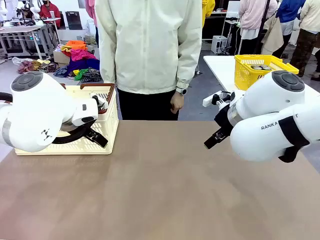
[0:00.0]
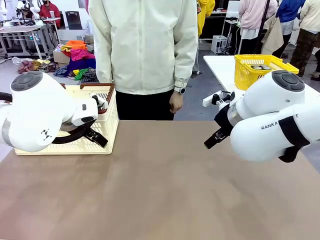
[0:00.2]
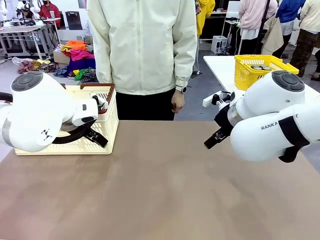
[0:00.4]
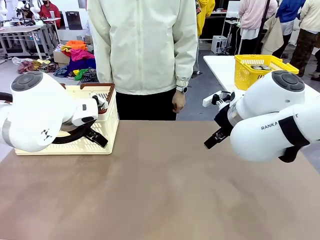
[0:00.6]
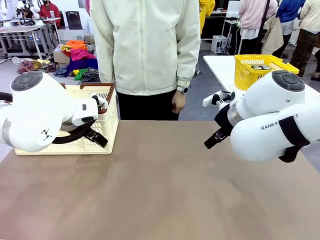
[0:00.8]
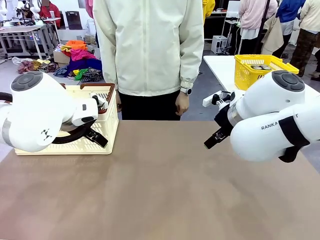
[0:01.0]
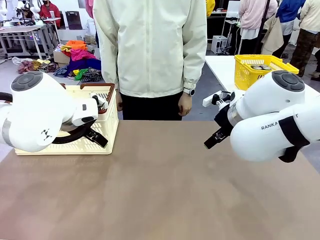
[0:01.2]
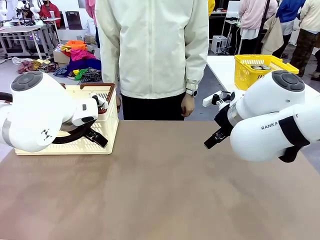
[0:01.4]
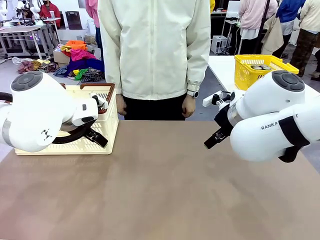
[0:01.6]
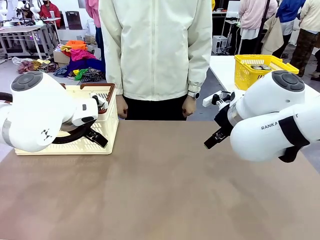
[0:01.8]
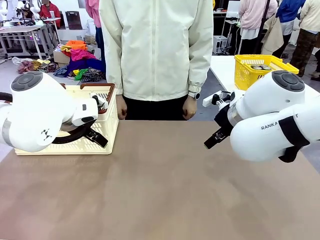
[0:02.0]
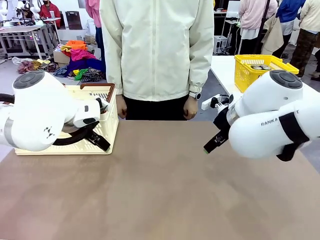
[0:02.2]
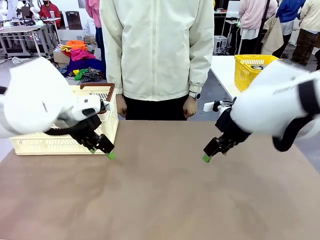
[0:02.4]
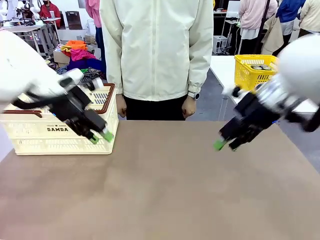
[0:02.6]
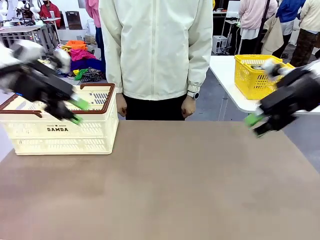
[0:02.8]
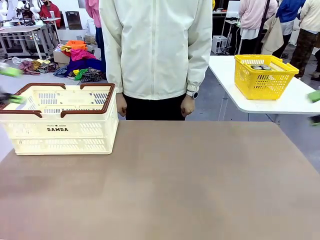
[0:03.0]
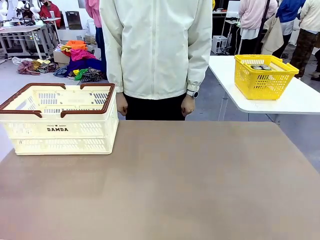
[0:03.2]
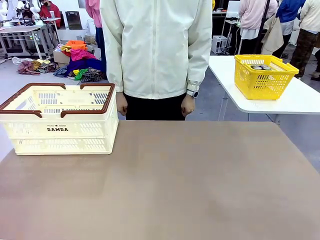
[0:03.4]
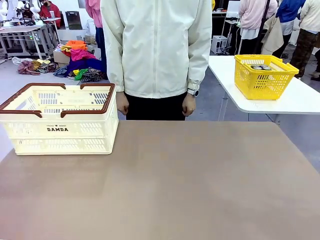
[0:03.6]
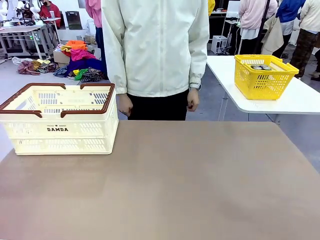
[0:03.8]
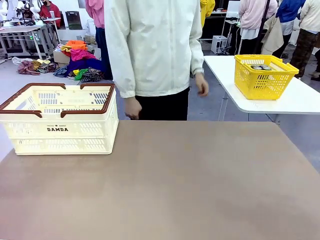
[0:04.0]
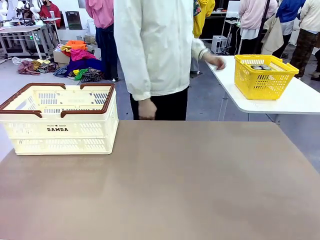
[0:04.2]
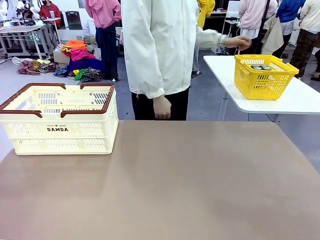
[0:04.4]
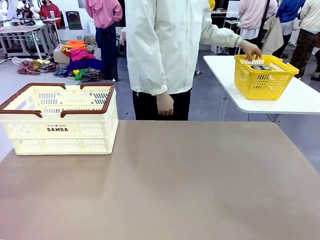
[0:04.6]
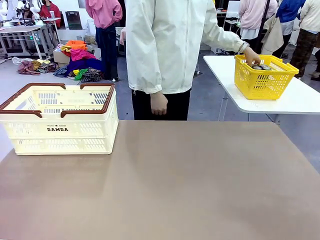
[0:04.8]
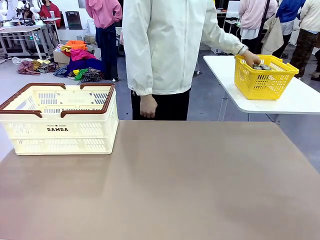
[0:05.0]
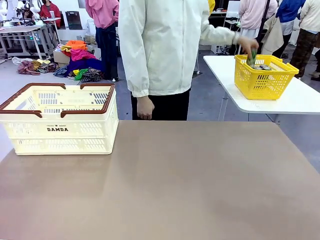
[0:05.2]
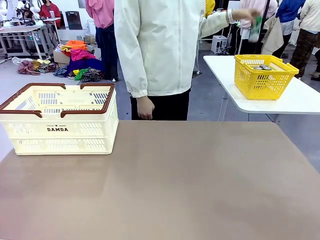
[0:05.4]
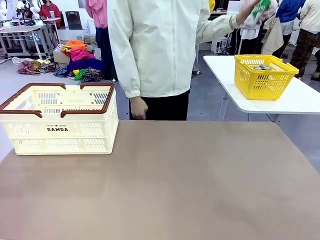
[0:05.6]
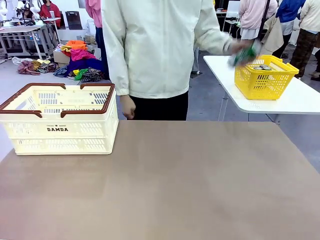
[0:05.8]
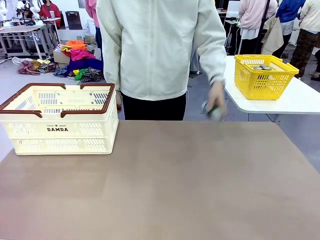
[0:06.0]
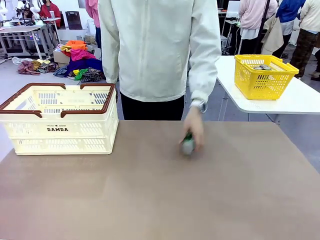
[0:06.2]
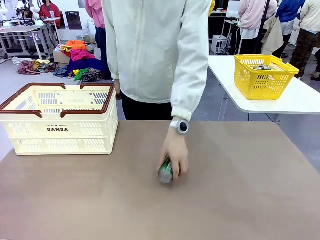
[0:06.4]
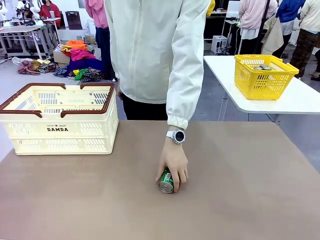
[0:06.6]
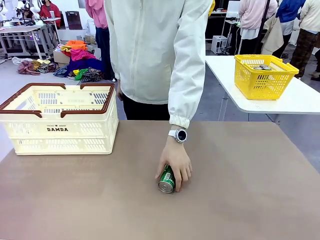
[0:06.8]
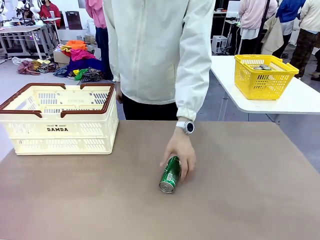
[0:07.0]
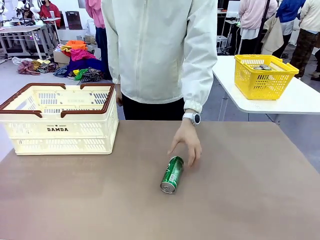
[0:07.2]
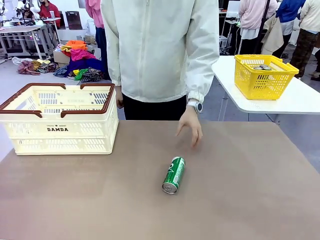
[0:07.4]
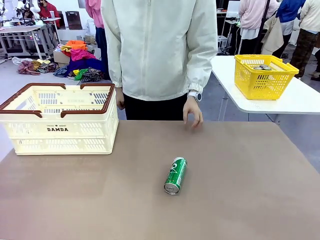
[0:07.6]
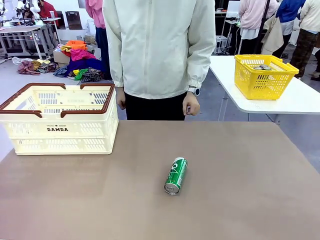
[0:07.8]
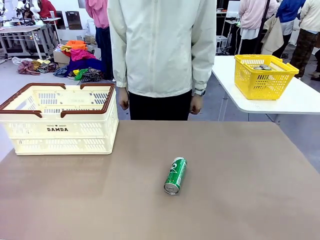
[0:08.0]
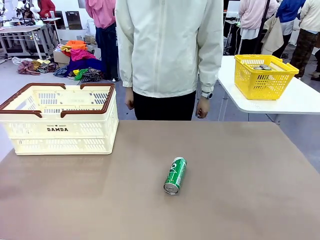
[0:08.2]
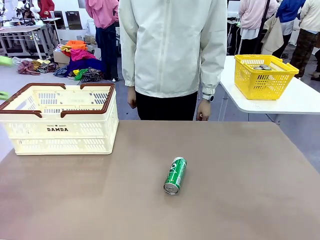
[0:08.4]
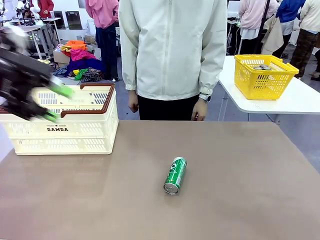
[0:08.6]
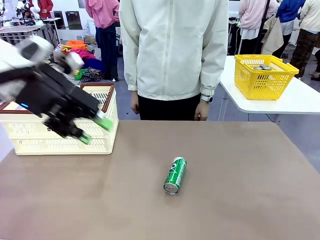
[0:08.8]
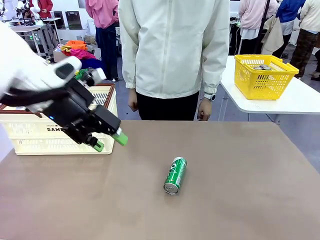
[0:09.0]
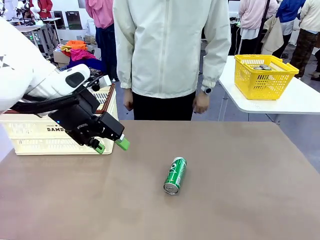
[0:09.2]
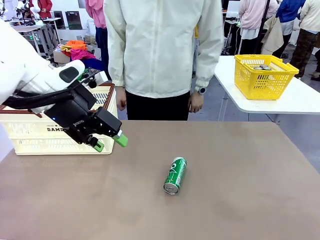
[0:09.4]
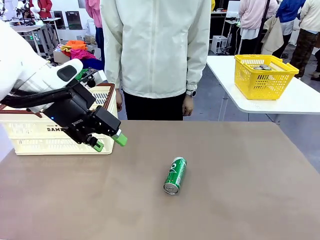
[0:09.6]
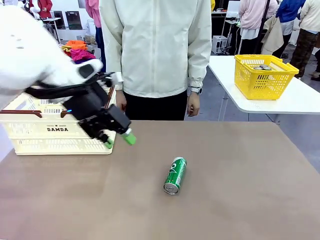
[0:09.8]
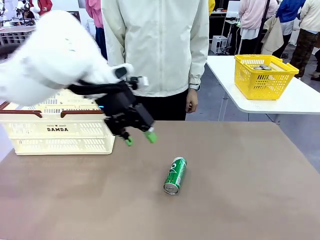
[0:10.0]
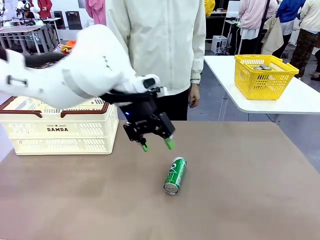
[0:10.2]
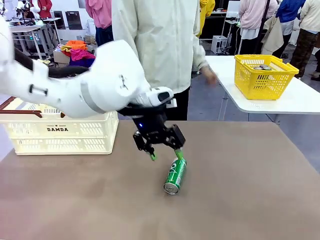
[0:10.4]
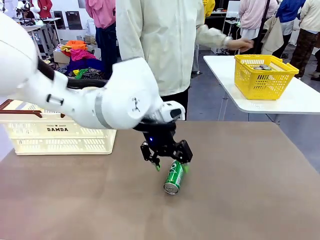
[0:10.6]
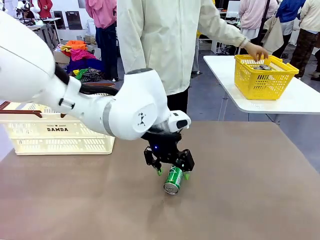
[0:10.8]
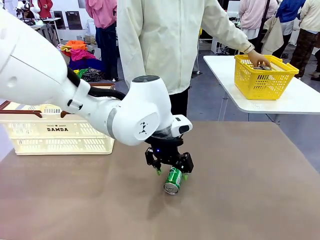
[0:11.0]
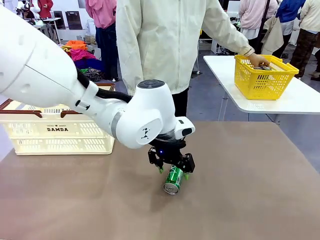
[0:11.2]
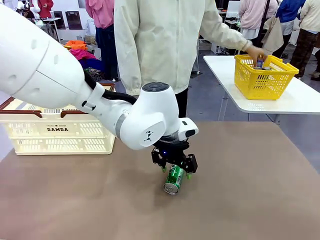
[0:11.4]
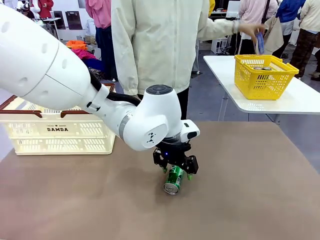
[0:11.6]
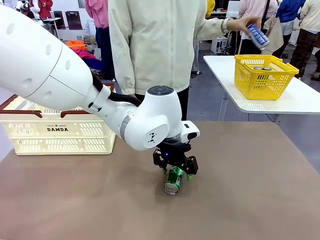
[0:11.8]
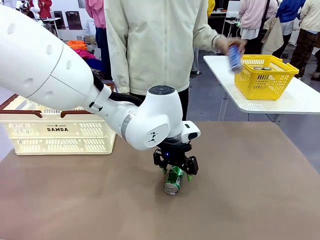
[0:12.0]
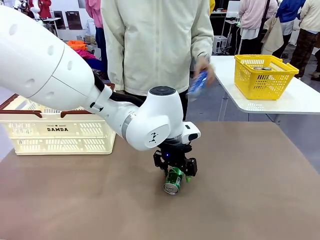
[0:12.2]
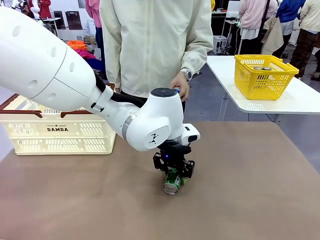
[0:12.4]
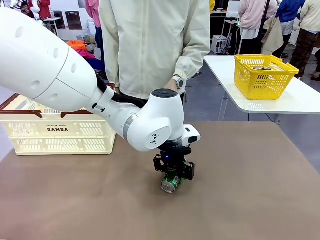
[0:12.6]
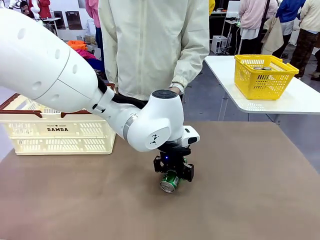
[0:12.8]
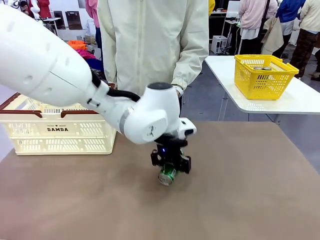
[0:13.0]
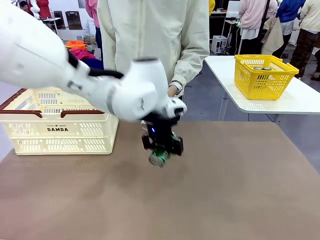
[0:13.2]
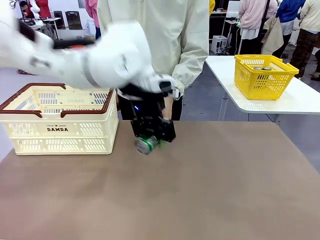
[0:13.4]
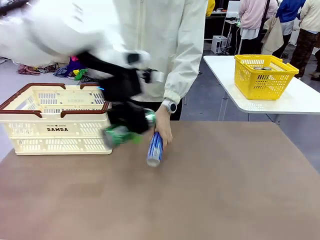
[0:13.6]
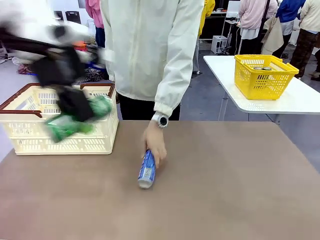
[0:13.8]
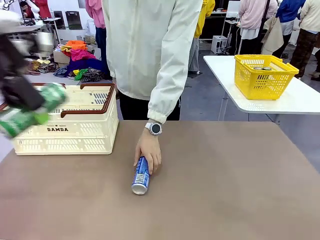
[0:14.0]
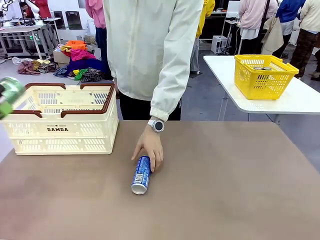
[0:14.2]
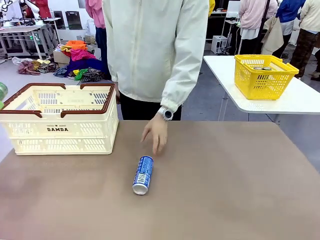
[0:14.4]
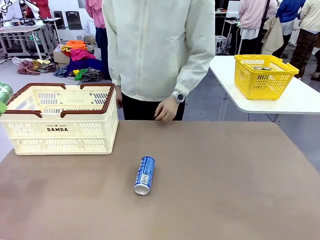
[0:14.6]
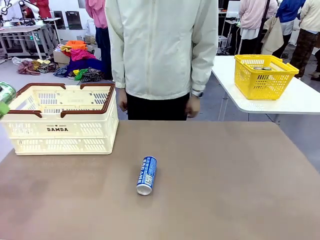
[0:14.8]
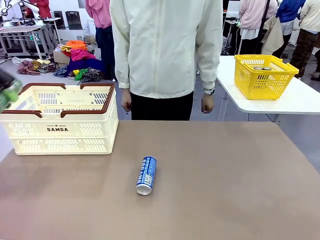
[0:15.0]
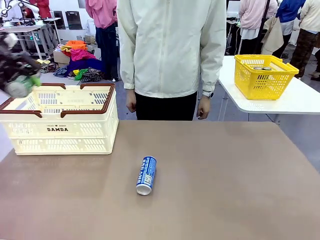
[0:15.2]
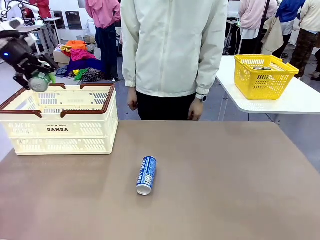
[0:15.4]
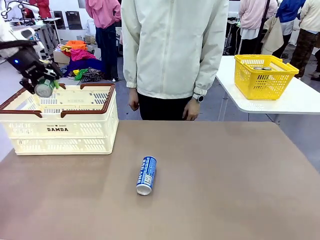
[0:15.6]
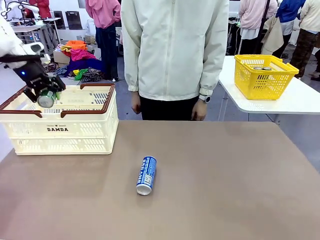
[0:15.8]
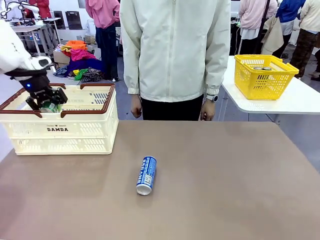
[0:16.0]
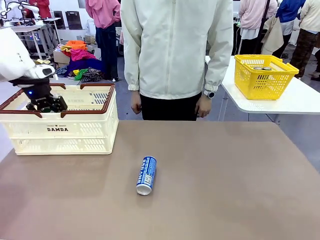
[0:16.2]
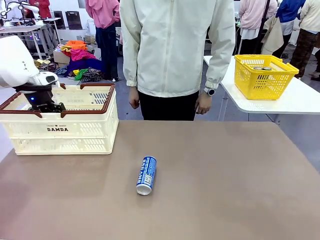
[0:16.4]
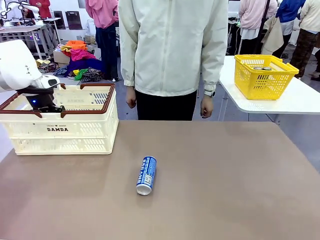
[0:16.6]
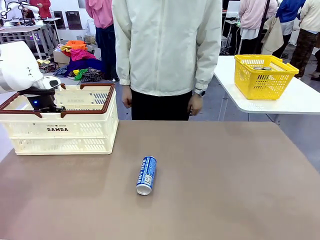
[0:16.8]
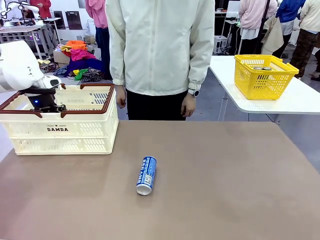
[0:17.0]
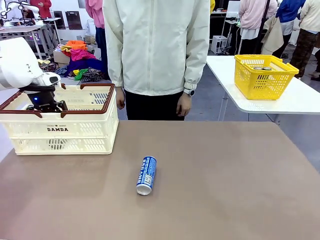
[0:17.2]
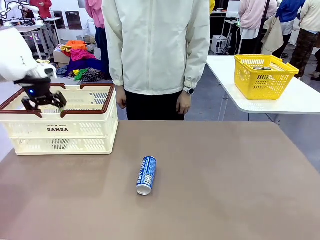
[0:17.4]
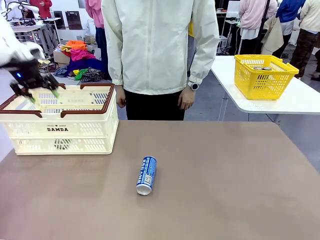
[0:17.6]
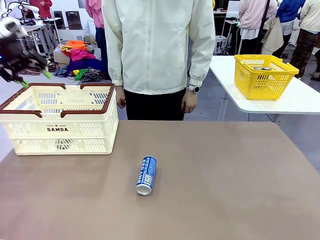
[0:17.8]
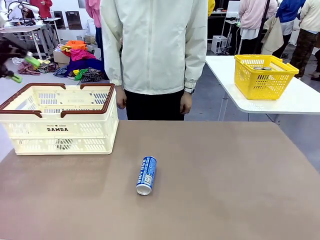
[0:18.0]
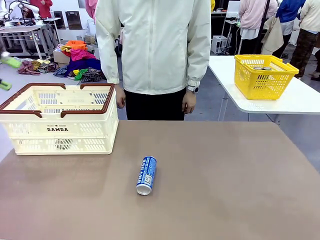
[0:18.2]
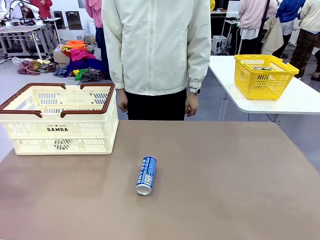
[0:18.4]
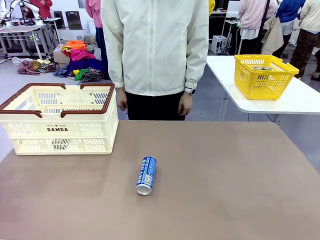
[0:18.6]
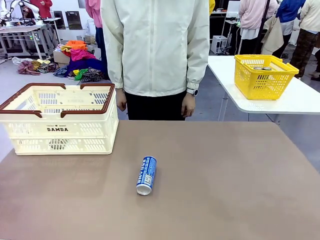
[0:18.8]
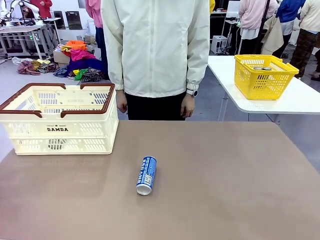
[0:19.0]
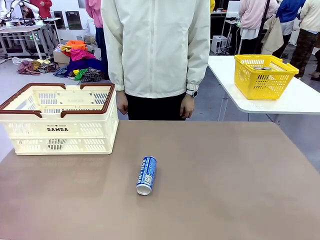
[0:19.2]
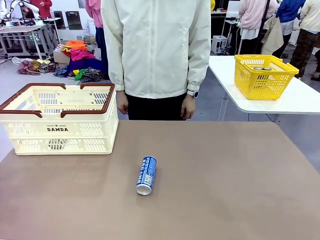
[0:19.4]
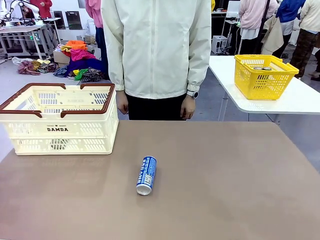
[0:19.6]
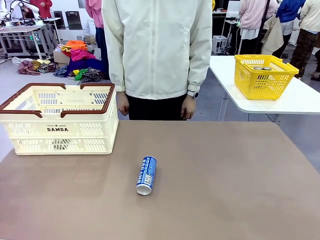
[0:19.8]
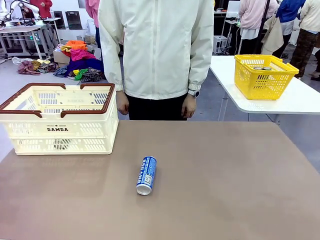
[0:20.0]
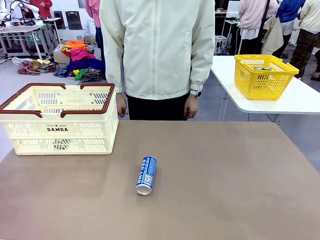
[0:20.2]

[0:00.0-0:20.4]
Task: Place the drinks into the Shopping basket.
Robot: Pick up one drink and place it into the Shopping basket.
